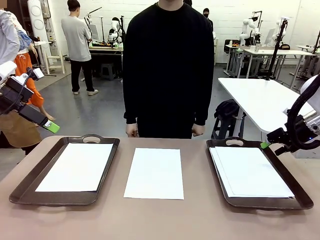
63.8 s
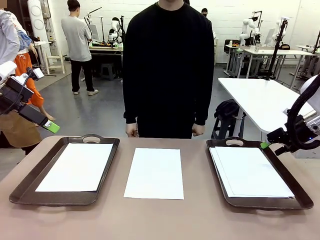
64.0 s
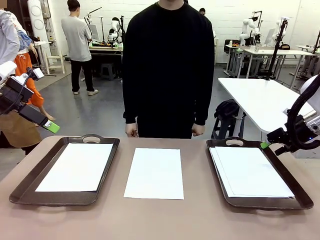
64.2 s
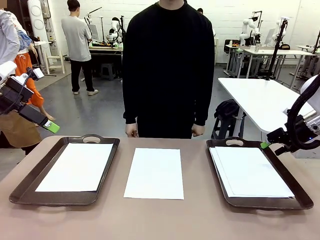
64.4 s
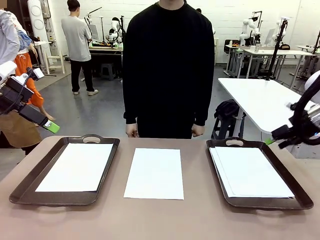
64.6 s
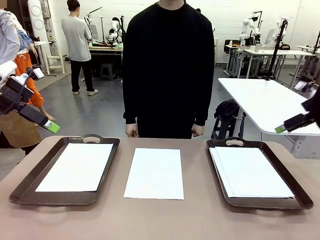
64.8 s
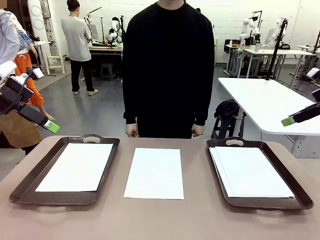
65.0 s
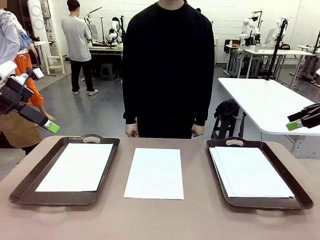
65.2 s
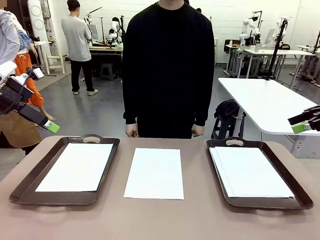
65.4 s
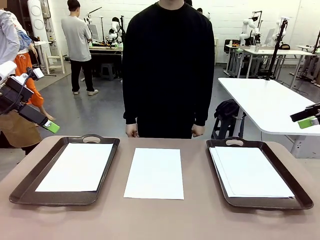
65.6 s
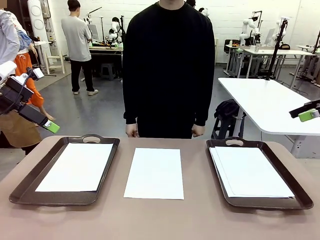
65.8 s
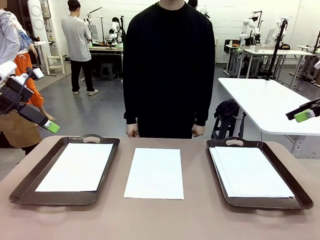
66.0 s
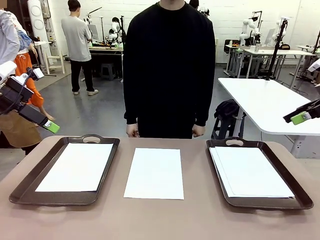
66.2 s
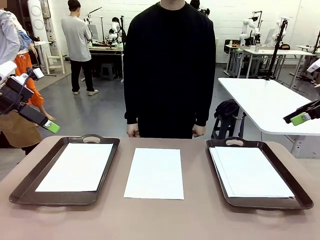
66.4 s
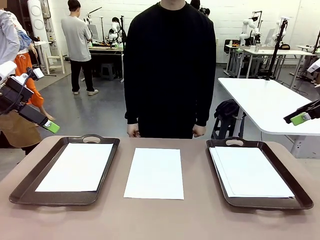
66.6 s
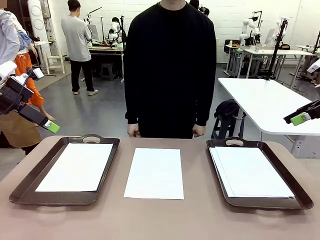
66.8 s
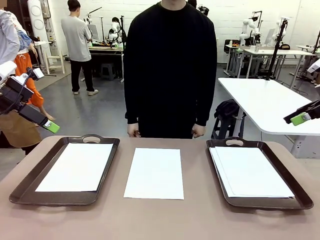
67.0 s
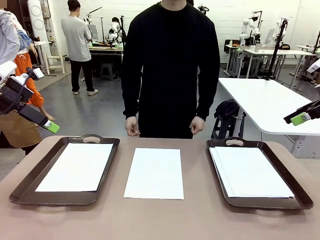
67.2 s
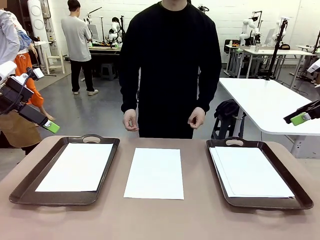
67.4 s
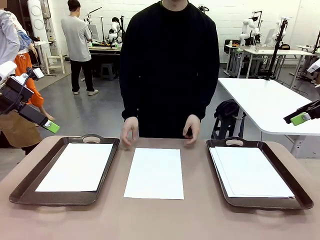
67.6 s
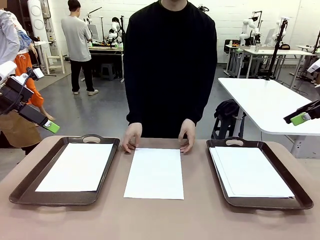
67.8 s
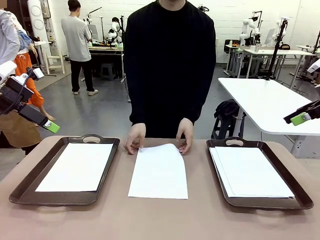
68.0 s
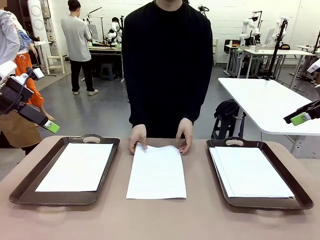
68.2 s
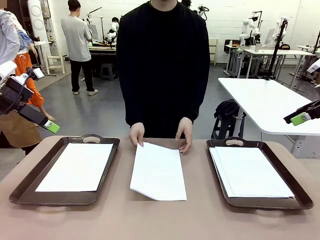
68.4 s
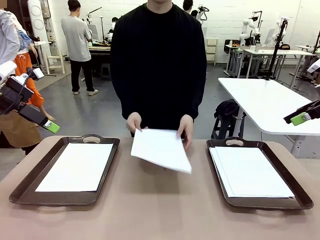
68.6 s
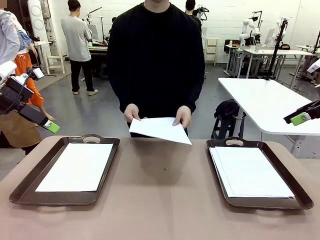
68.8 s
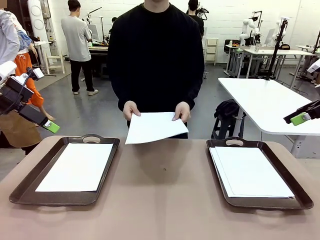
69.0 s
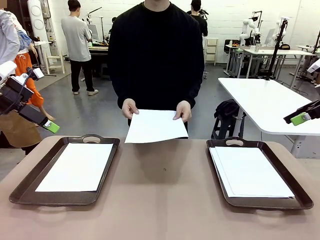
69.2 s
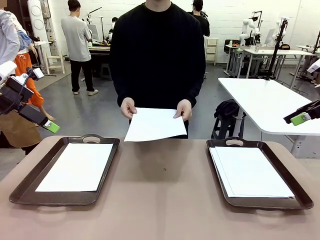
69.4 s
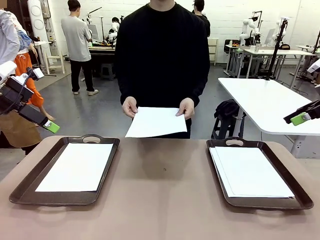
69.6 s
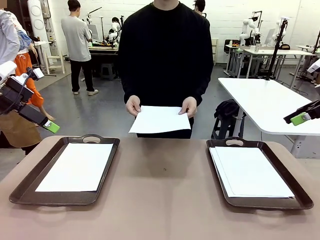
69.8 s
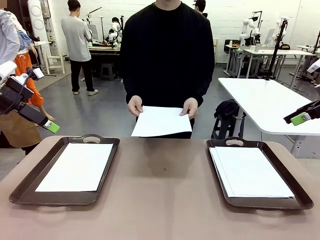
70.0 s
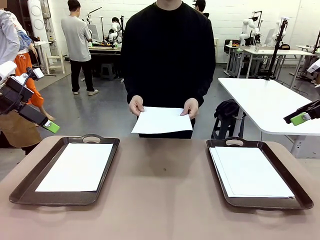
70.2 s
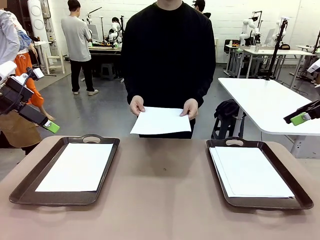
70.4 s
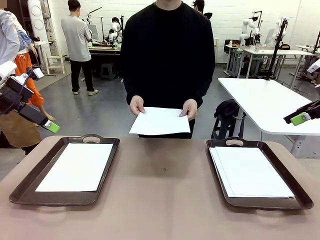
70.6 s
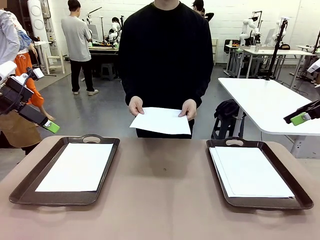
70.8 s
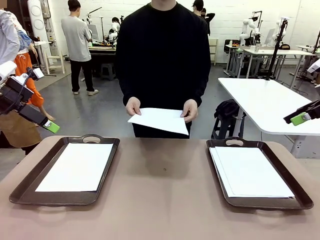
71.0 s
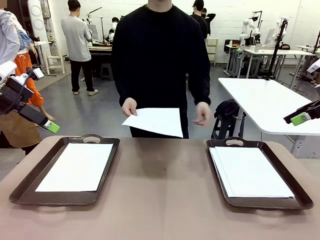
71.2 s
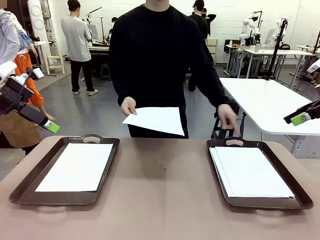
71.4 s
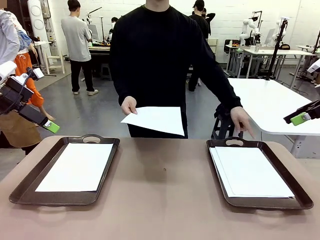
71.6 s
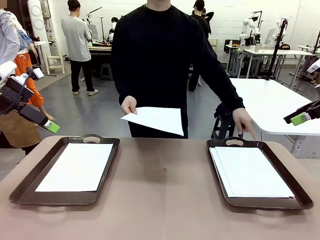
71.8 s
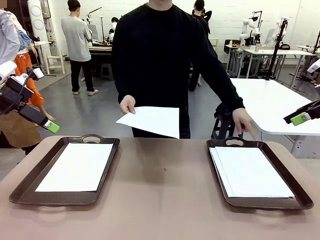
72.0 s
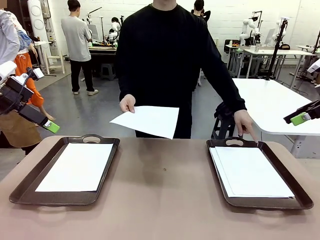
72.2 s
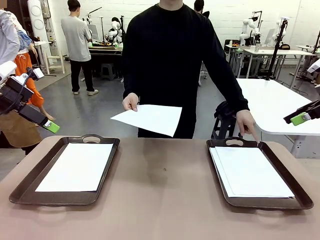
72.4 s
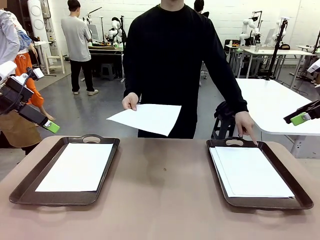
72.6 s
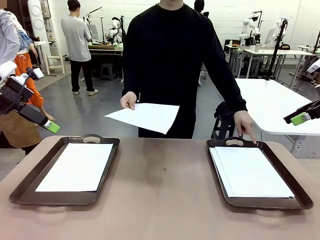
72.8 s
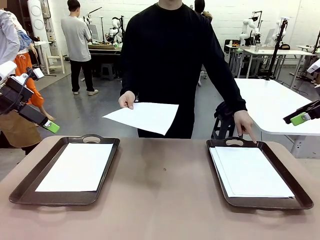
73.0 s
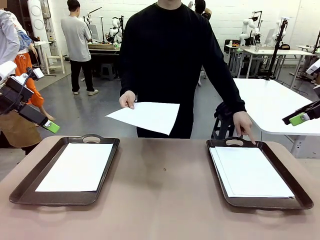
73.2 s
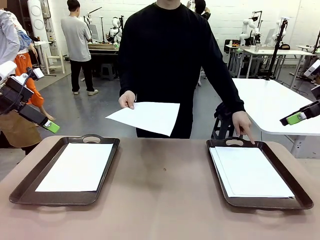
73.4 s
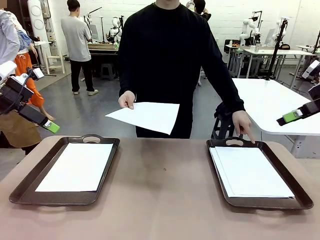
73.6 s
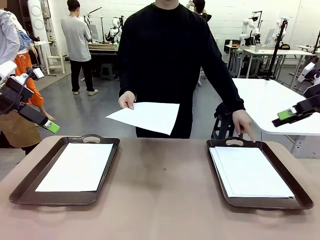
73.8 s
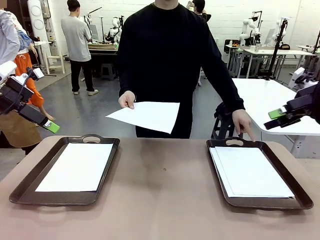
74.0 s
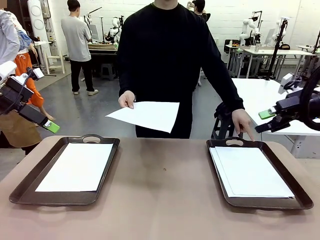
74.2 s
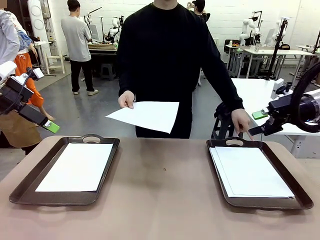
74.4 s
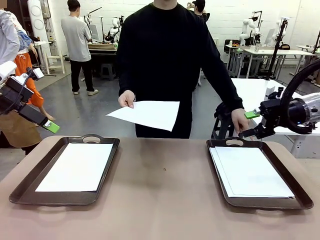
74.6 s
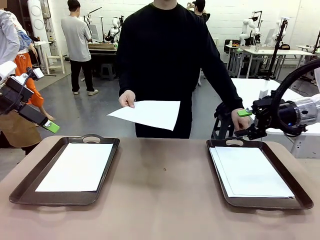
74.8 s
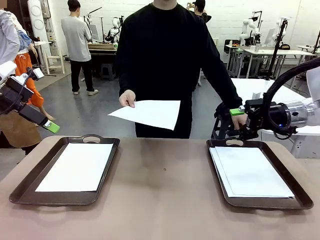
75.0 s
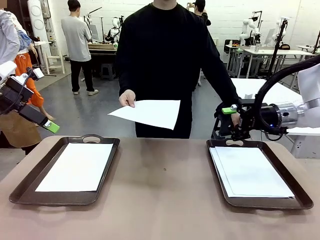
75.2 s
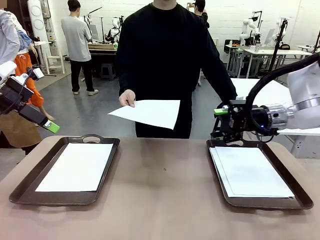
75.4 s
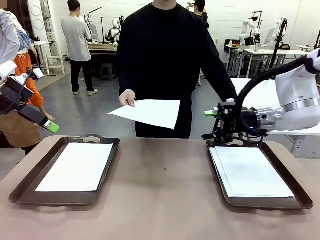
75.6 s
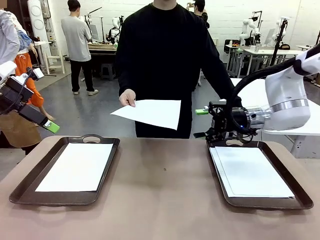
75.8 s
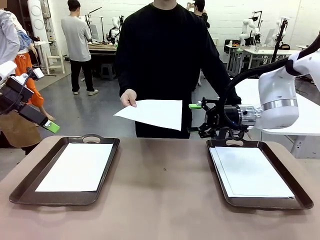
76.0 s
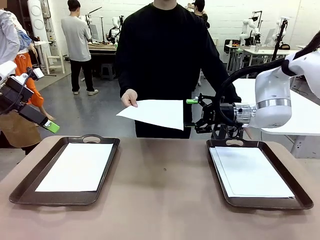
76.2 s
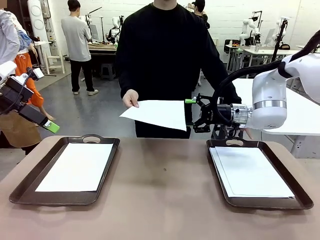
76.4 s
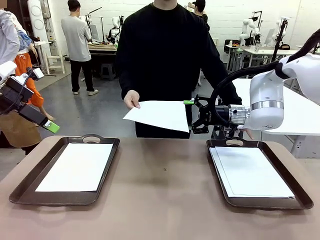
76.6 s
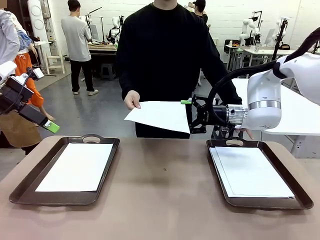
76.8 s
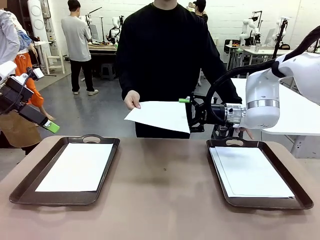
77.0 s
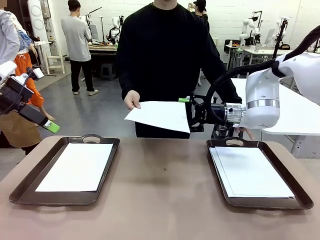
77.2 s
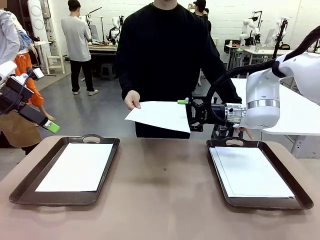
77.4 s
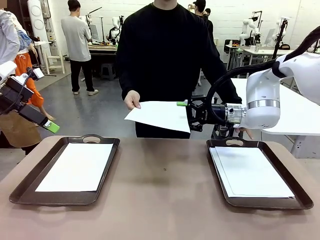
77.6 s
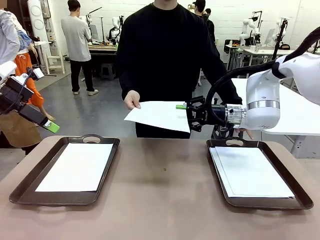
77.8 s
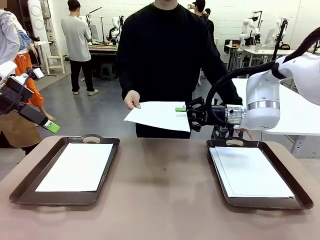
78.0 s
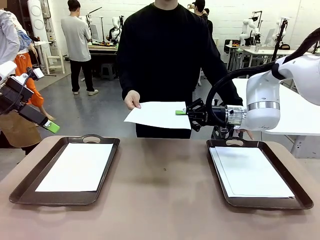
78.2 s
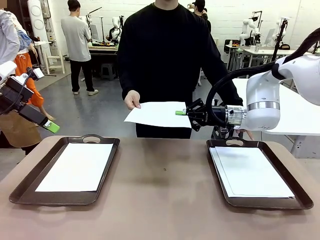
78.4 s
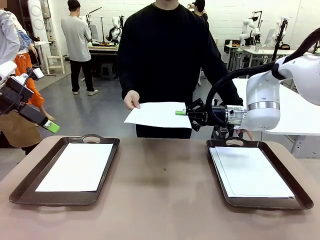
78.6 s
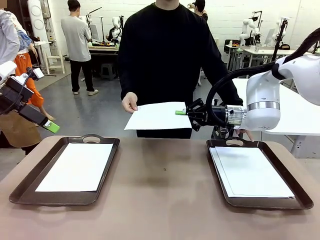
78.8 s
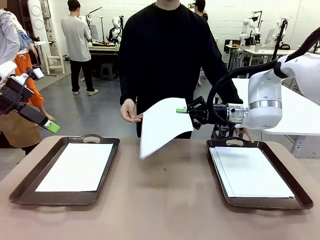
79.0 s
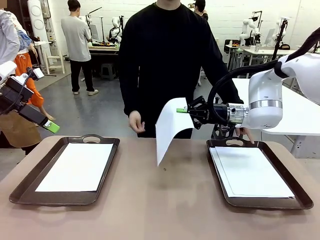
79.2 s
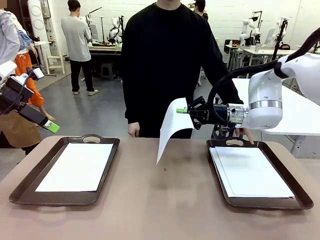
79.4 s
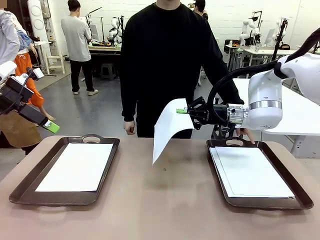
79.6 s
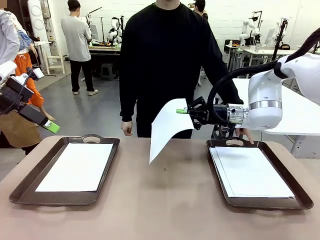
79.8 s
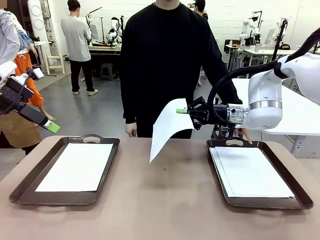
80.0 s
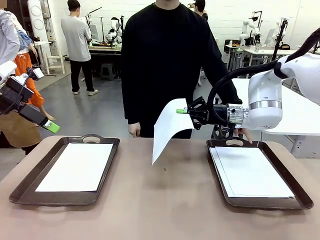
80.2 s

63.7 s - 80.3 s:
Task: Sort the A4 documents.
Robot: Receive the A4 Paper.
Person: Point the randomly selected tray with the other hand.

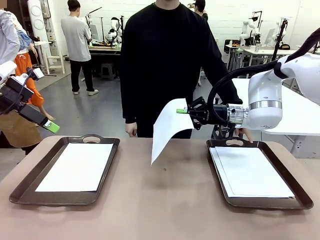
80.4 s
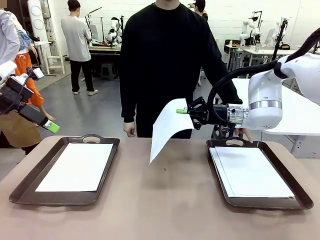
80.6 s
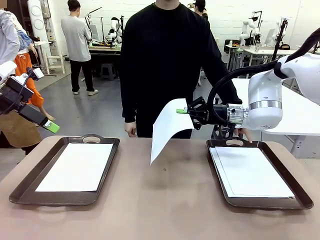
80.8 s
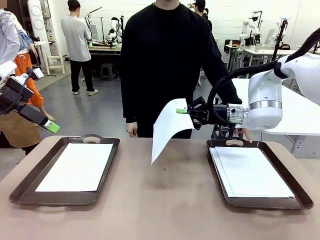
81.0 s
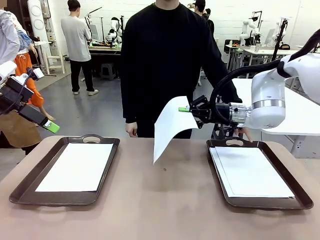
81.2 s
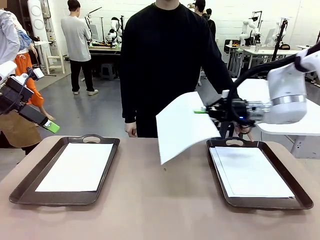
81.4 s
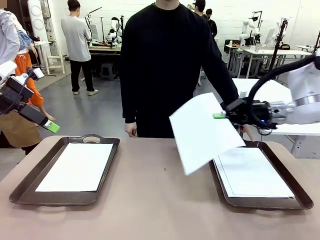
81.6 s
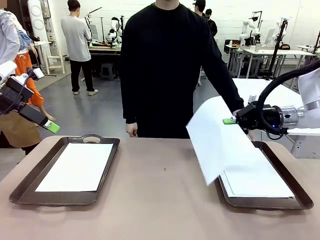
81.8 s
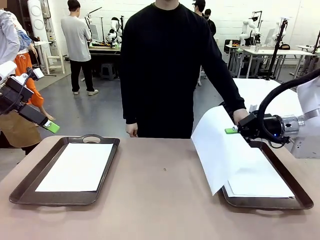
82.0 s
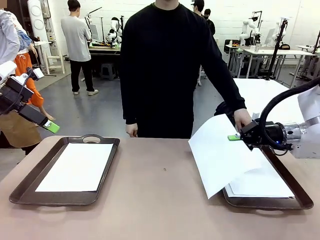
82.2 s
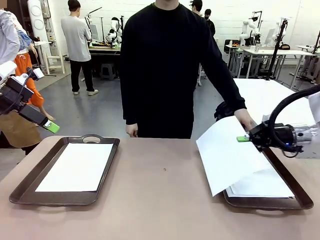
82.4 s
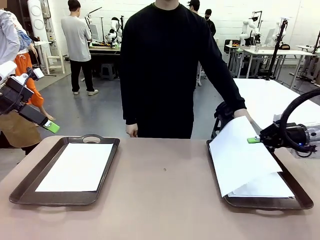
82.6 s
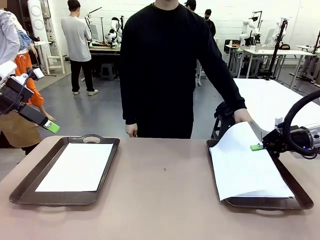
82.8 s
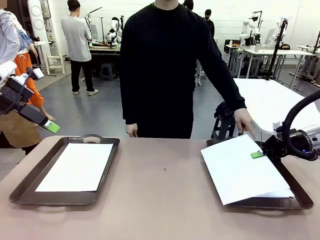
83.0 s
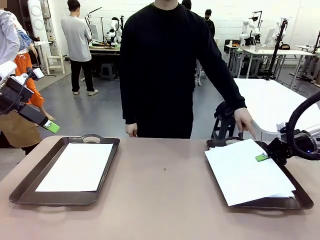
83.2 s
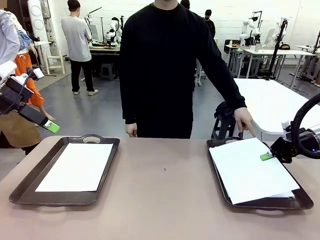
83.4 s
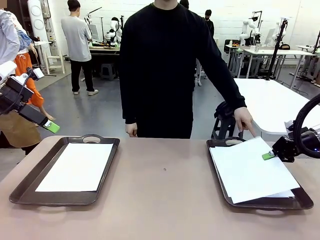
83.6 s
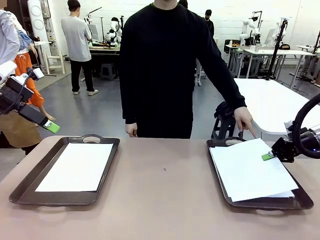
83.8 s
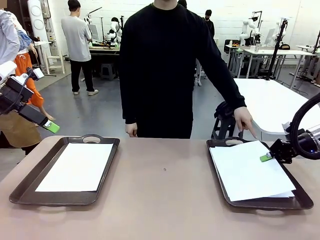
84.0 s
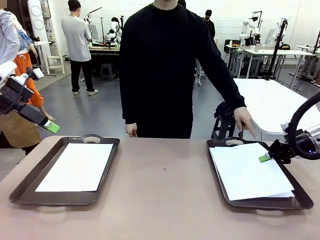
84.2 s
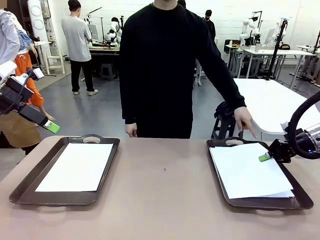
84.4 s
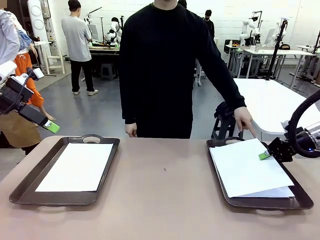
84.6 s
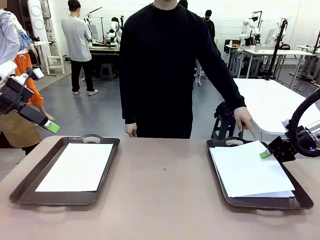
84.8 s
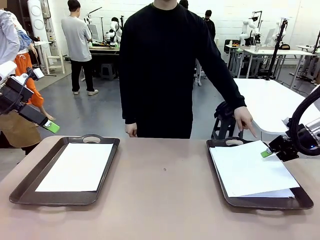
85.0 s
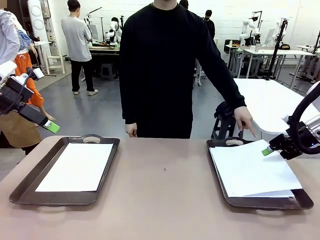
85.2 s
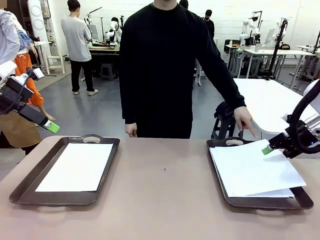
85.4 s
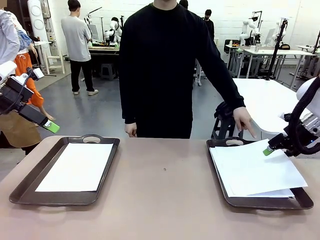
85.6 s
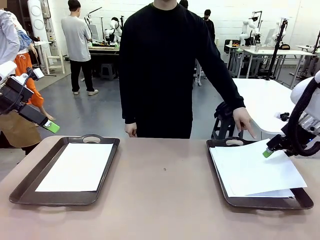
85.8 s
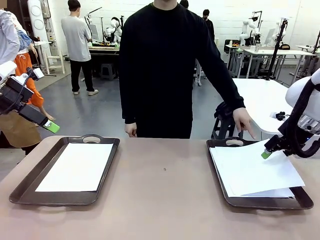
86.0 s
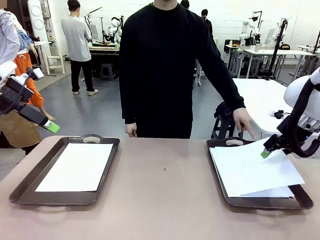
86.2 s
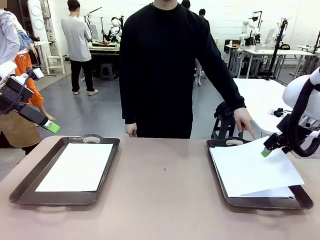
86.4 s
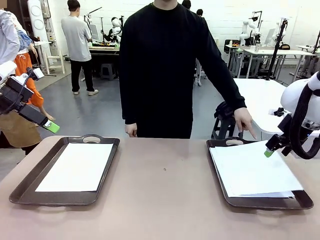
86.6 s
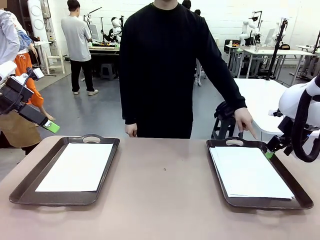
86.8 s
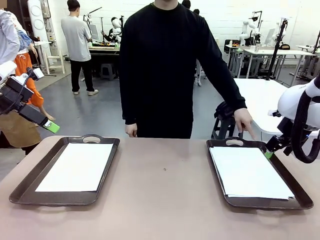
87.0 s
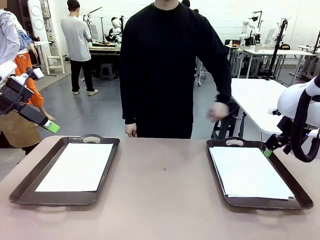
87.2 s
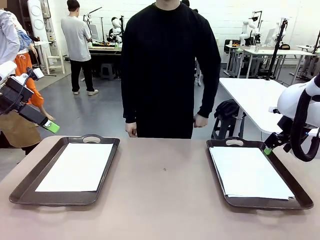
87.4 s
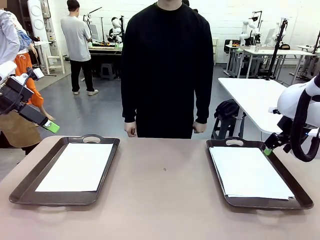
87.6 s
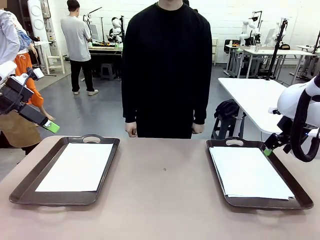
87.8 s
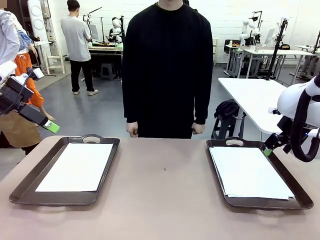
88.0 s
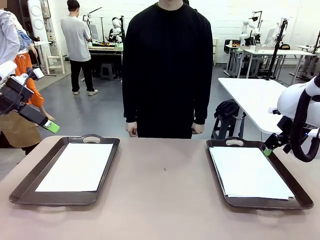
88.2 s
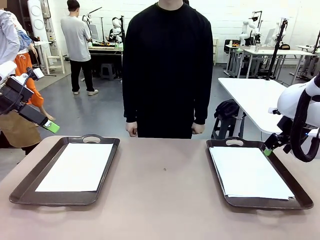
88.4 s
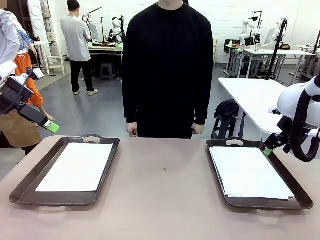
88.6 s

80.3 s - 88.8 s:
Robot: Place the A4 Paper in the designated Handle tray.
